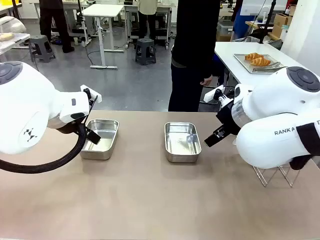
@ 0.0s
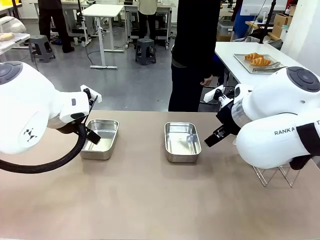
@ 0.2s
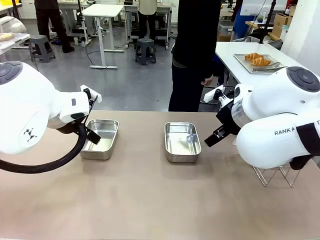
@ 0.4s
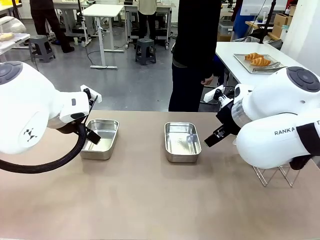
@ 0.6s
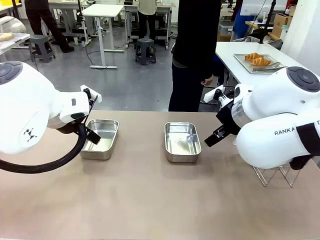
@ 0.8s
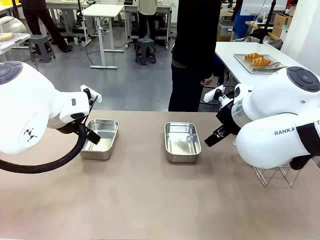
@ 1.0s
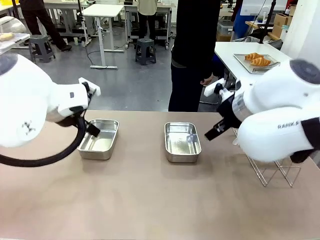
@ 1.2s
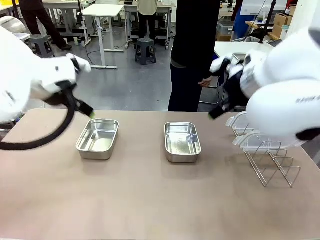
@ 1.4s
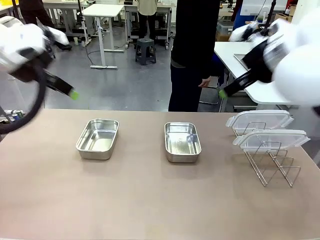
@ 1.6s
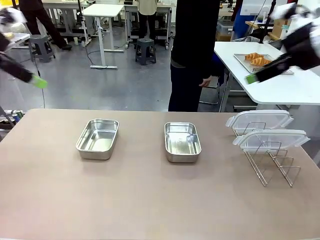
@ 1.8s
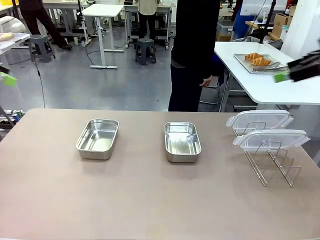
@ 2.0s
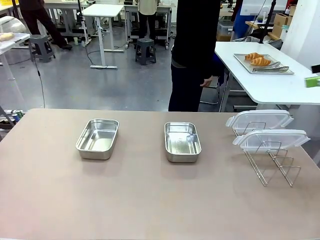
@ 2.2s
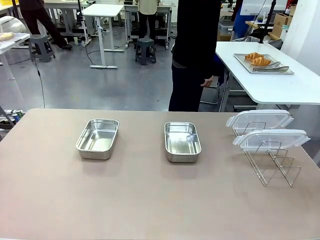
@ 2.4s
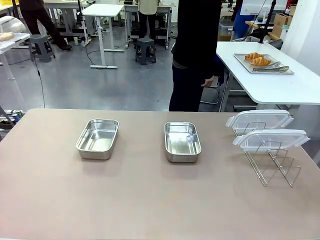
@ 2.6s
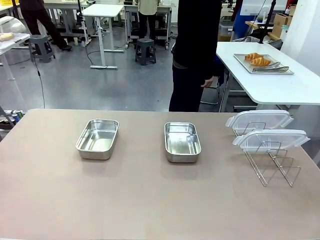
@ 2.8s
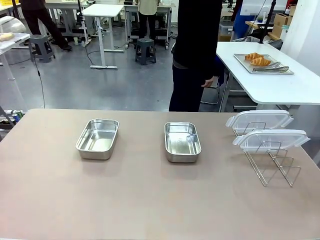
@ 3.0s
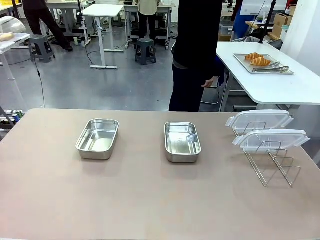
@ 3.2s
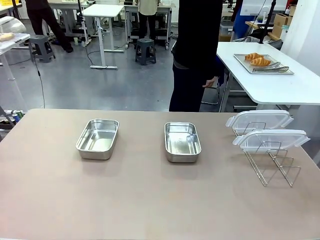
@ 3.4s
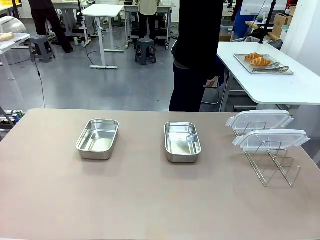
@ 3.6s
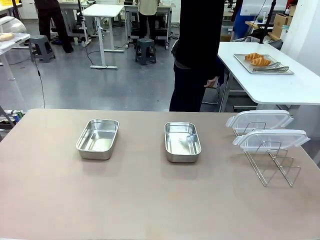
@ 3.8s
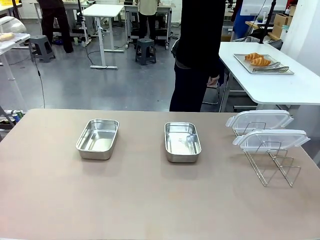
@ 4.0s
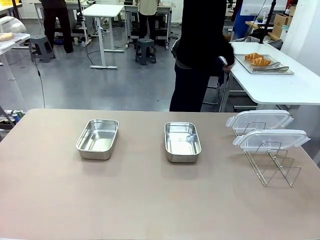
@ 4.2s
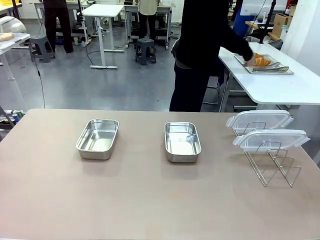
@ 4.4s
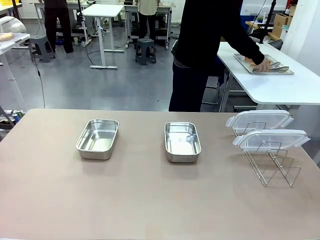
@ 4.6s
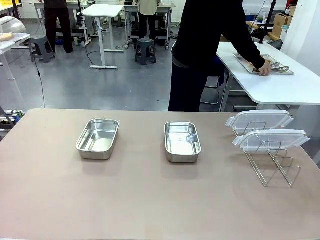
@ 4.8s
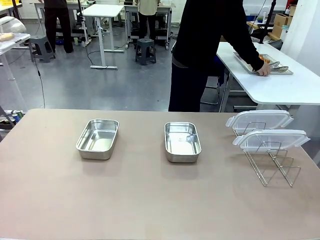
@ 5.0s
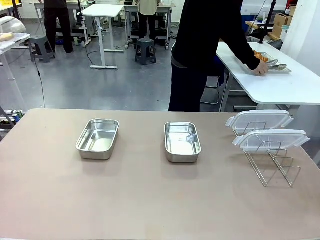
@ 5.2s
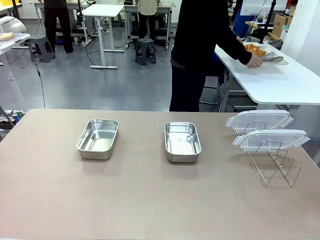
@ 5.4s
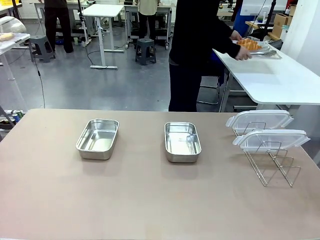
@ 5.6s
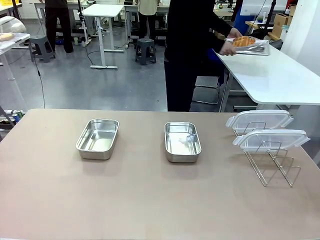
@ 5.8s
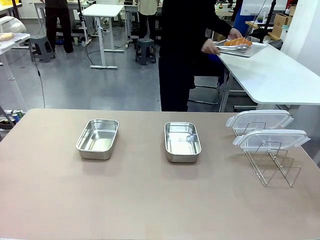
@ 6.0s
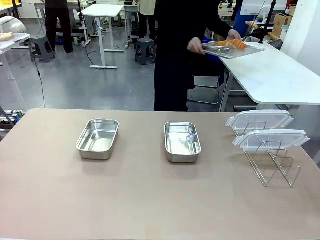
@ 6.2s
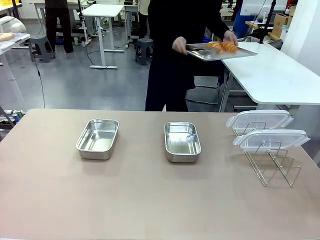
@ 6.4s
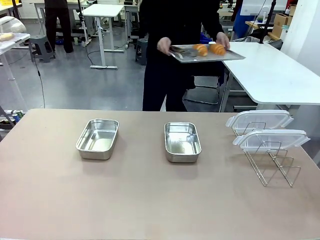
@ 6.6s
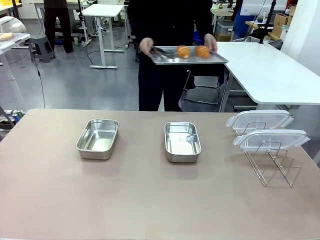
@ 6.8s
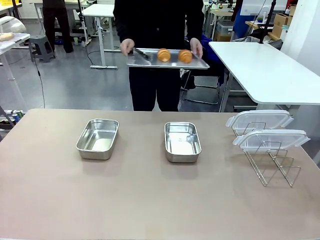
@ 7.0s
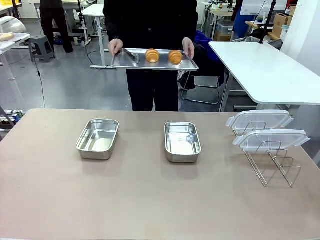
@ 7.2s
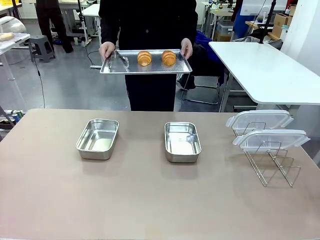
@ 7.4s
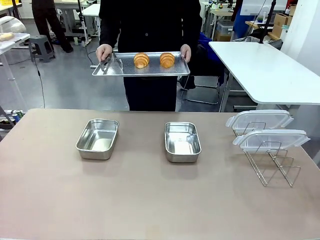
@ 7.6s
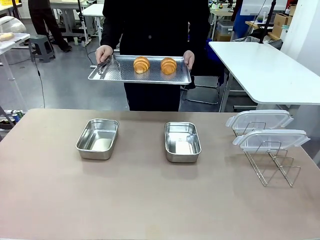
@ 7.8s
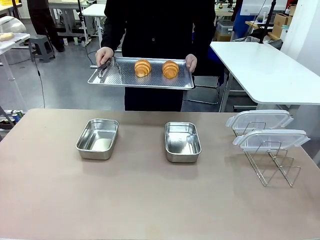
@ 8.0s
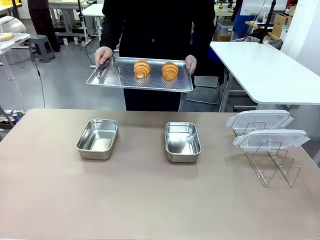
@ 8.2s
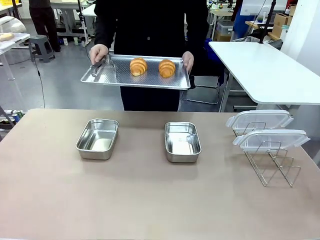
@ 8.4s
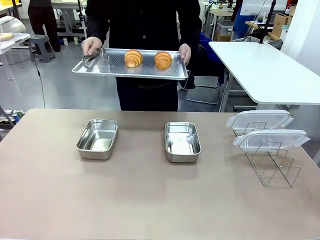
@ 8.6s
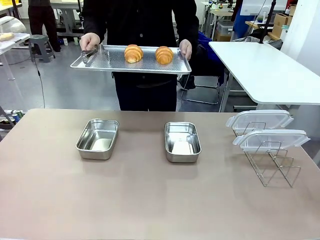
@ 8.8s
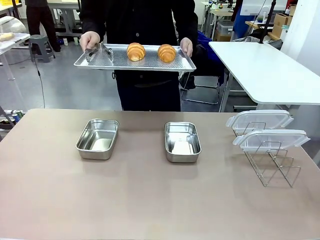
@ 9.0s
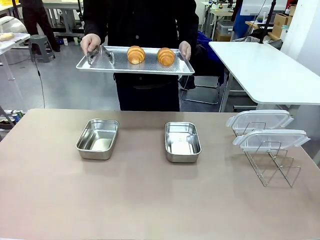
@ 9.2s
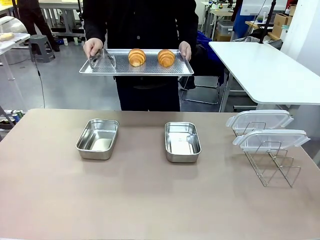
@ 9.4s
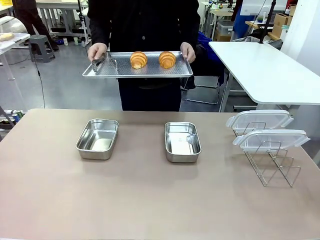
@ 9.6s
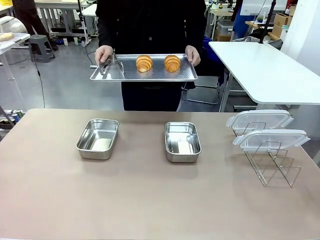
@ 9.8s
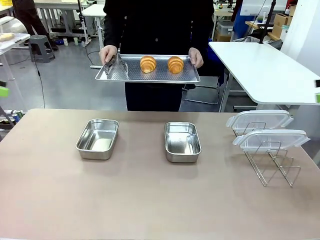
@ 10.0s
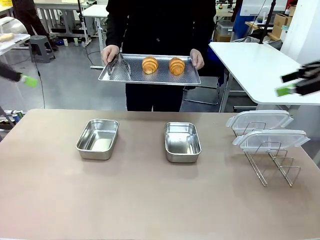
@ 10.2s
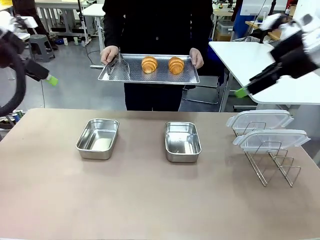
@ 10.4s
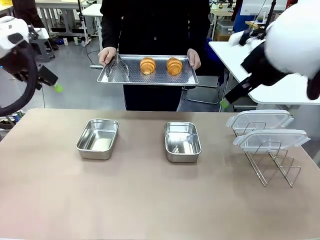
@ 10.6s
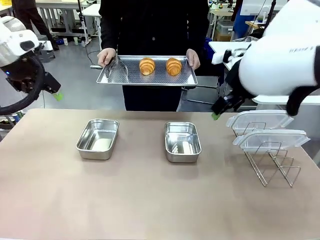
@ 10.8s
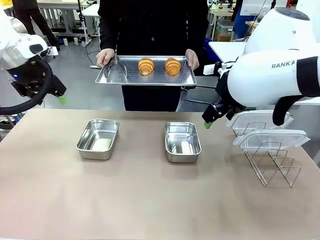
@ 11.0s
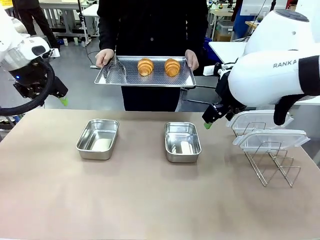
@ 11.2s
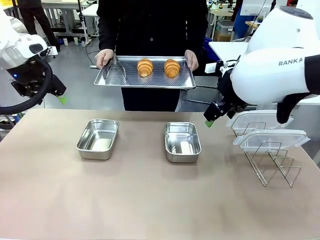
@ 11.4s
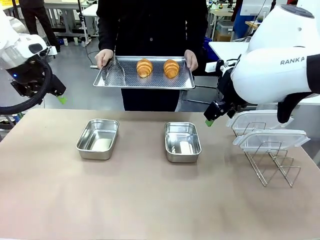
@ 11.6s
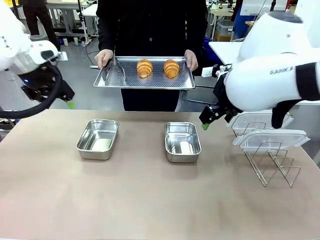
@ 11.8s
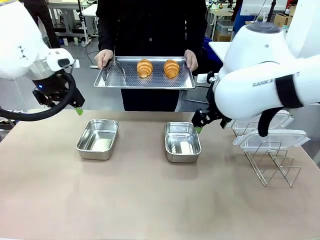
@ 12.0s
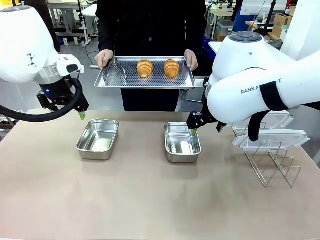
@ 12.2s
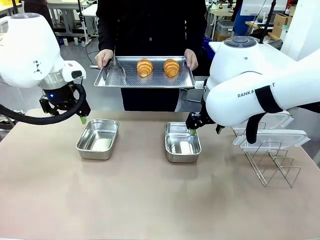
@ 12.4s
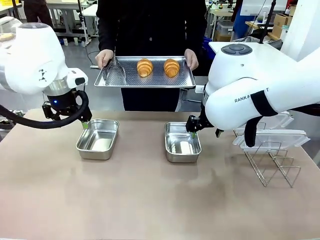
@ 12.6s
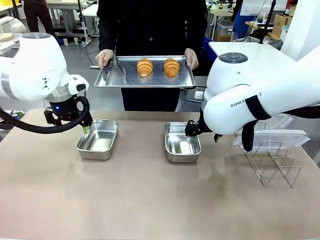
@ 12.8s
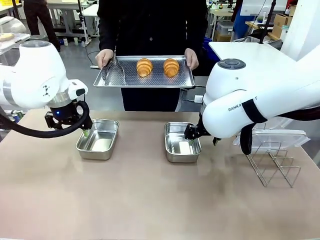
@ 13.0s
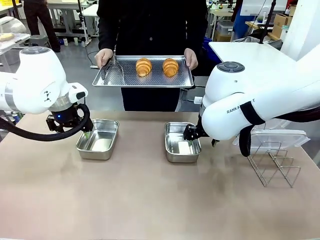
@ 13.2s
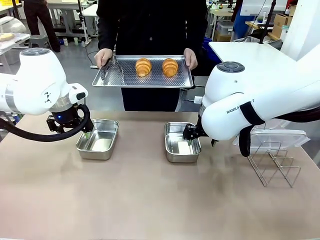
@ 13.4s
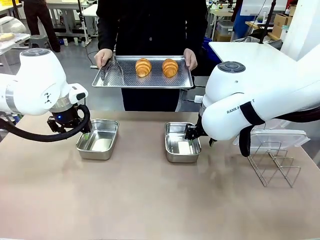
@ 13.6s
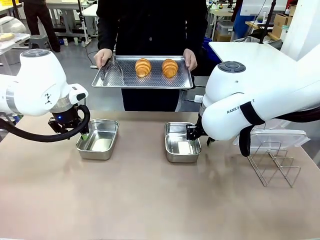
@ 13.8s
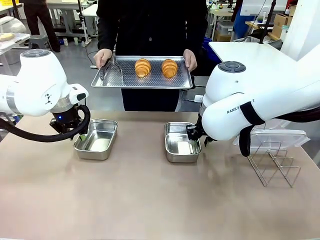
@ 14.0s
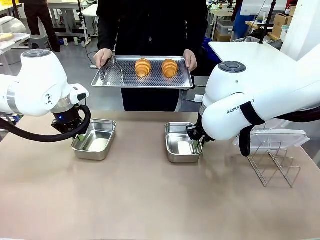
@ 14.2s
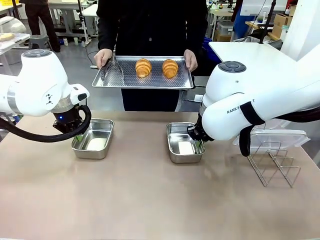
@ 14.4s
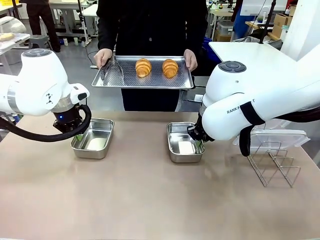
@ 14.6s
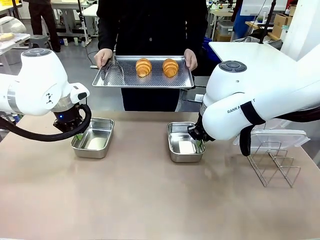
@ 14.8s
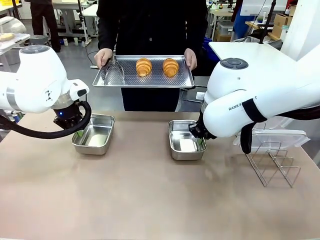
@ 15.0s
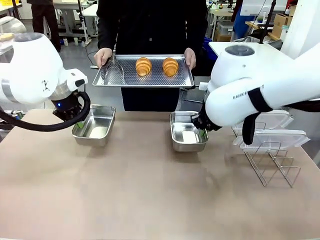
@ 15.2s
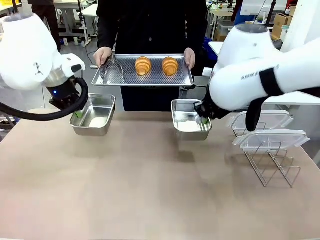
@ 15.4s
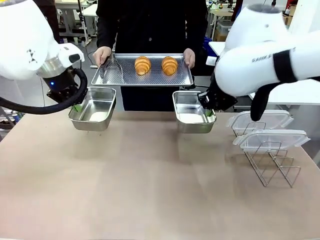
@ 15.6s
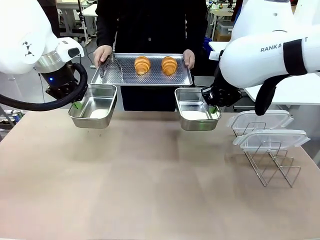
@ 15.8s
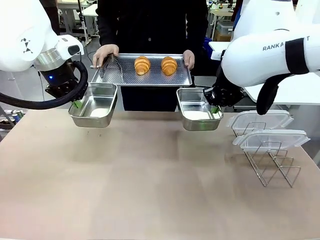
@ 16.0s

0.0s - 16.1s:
Task: Place the bread in airtight containers.
Robot: Lift both Airtight Container.
Person: Bring the Baking Sheet in front of Robot's Table.
